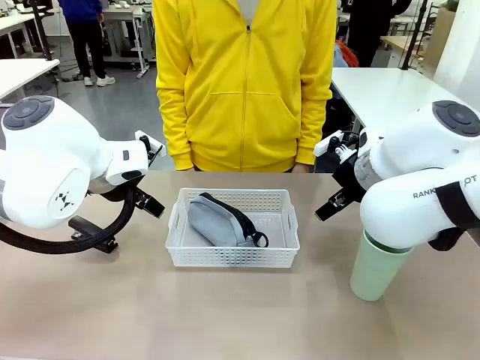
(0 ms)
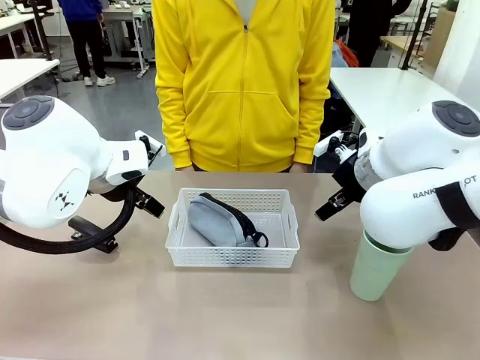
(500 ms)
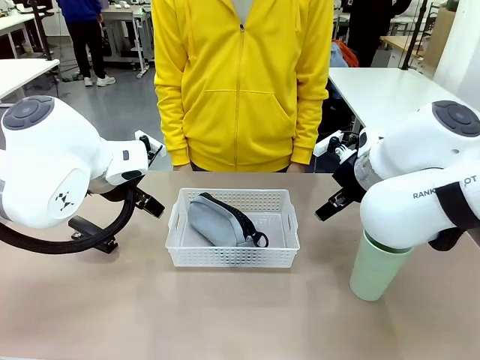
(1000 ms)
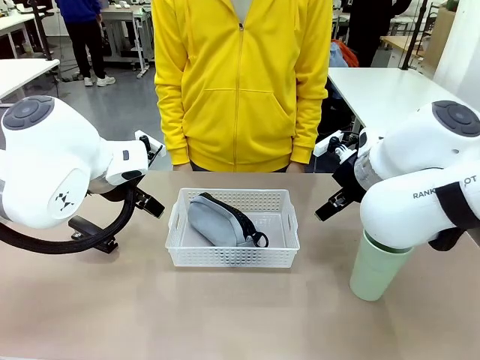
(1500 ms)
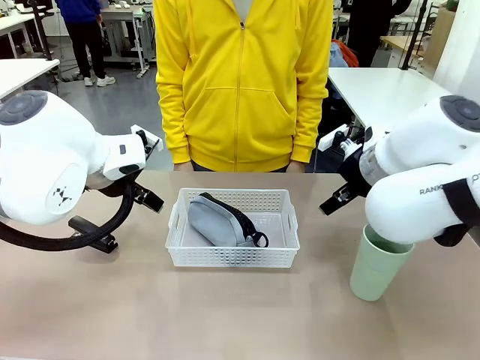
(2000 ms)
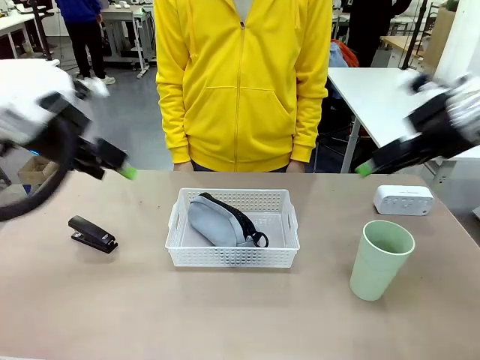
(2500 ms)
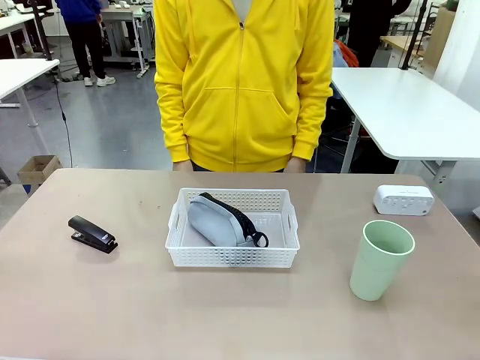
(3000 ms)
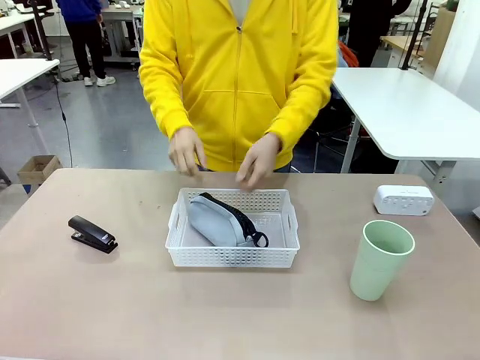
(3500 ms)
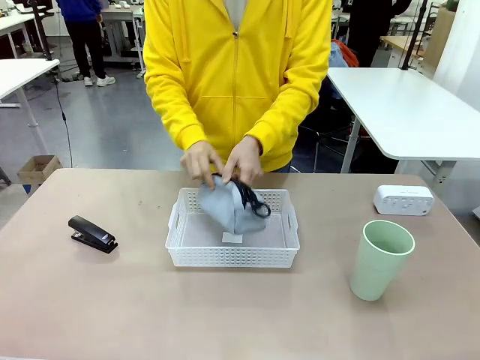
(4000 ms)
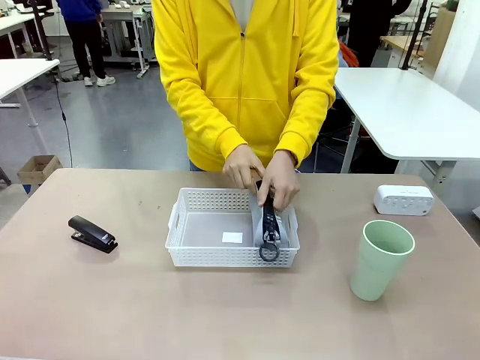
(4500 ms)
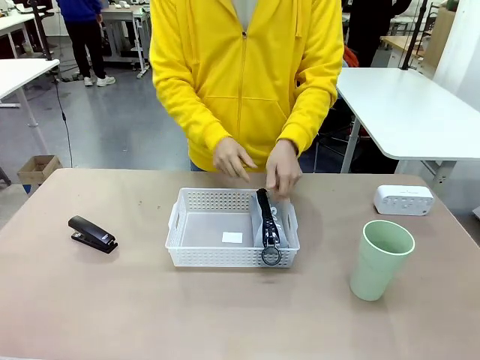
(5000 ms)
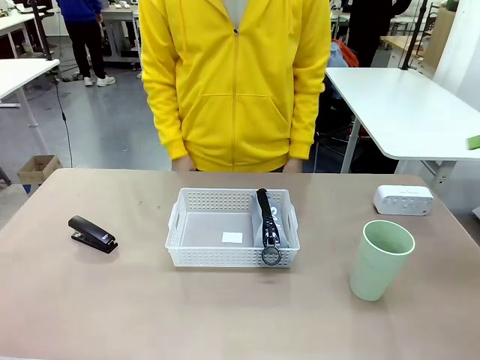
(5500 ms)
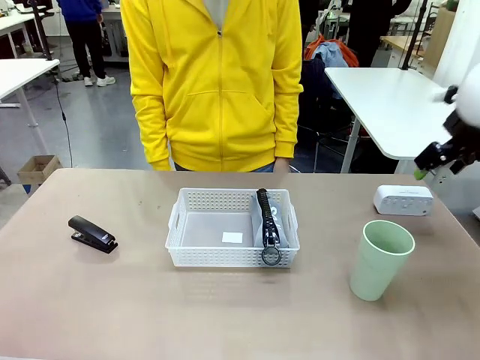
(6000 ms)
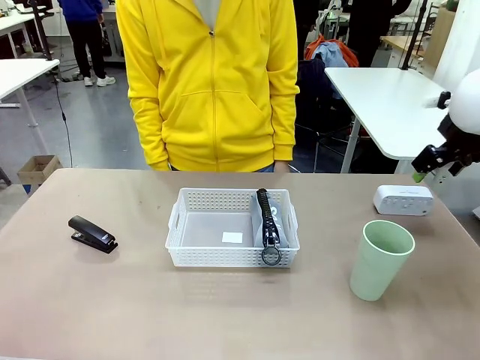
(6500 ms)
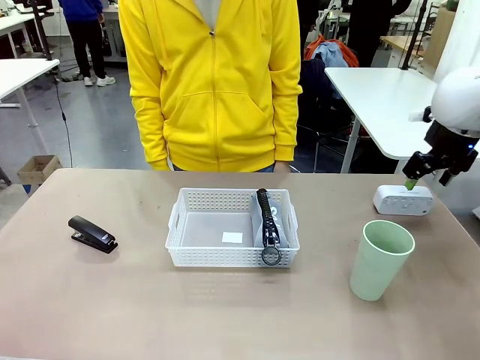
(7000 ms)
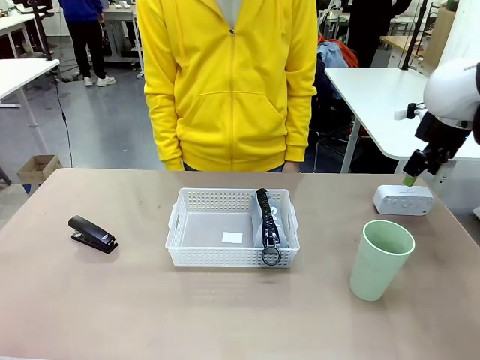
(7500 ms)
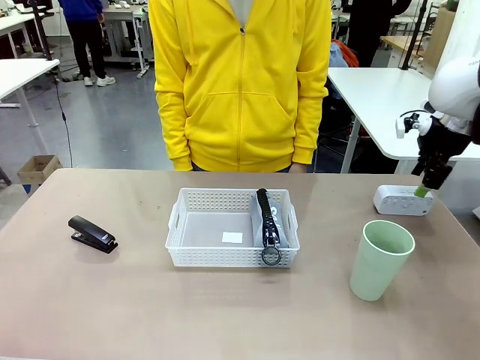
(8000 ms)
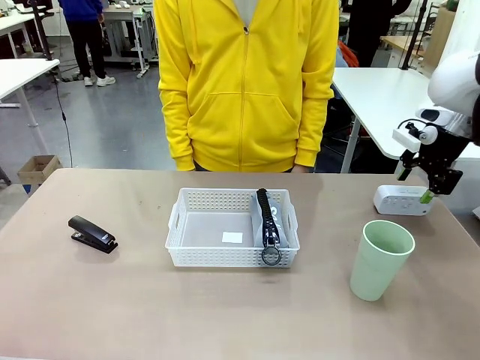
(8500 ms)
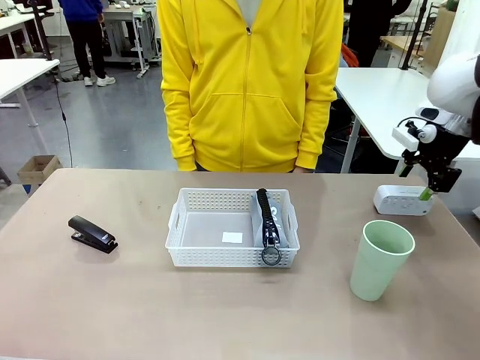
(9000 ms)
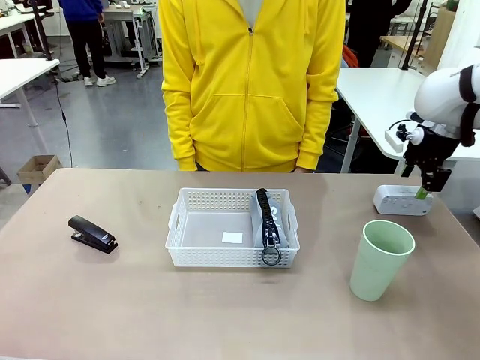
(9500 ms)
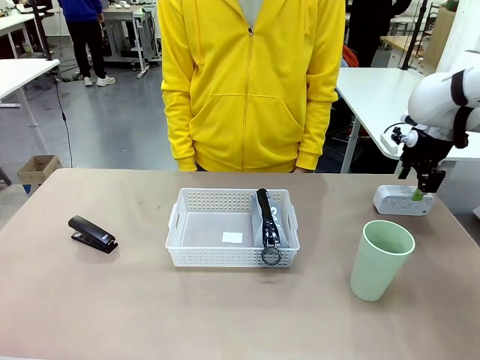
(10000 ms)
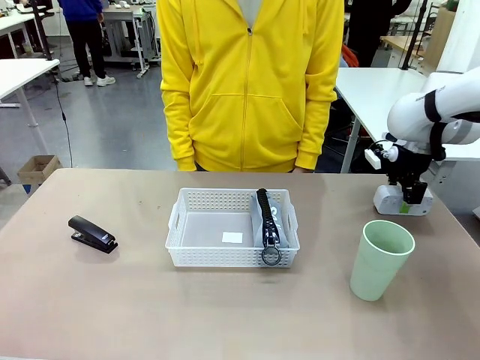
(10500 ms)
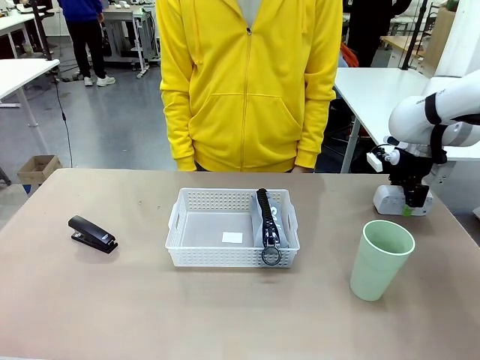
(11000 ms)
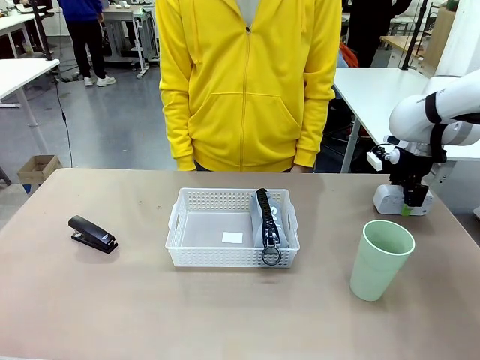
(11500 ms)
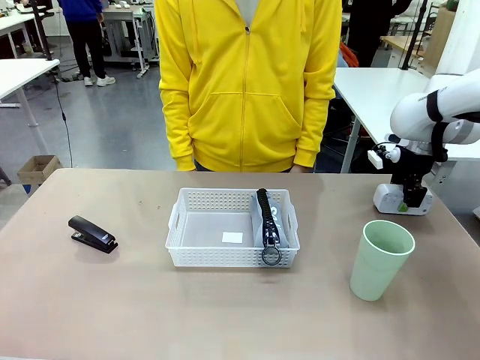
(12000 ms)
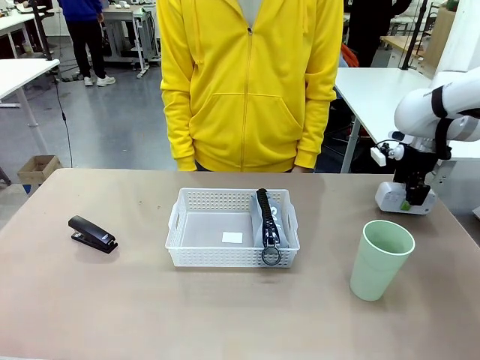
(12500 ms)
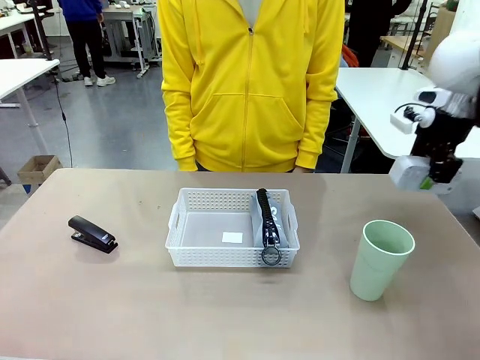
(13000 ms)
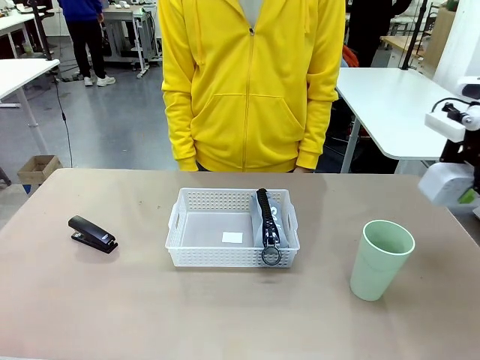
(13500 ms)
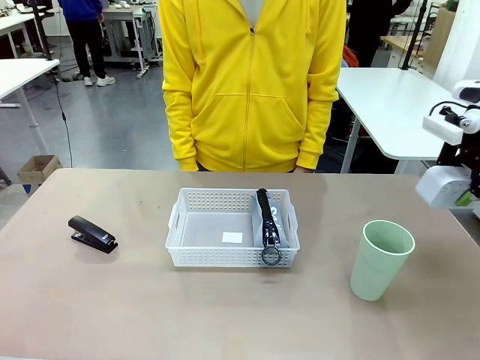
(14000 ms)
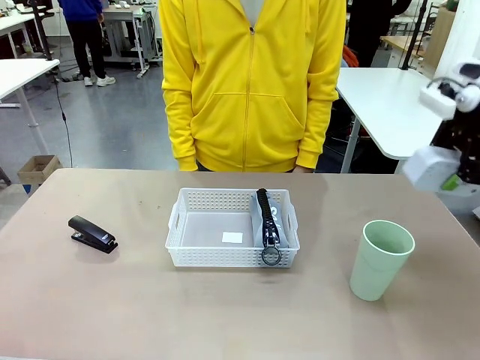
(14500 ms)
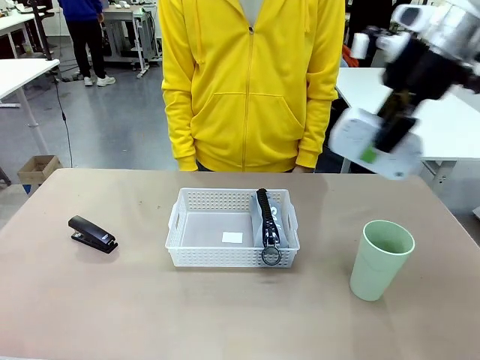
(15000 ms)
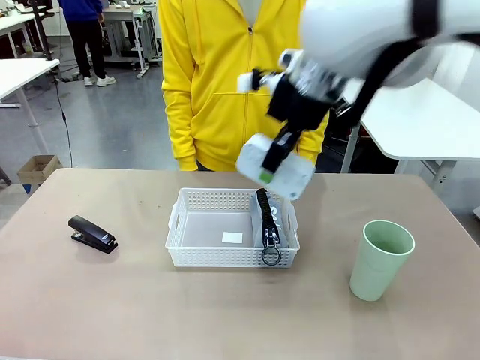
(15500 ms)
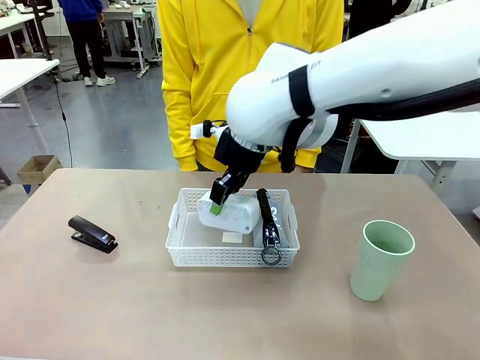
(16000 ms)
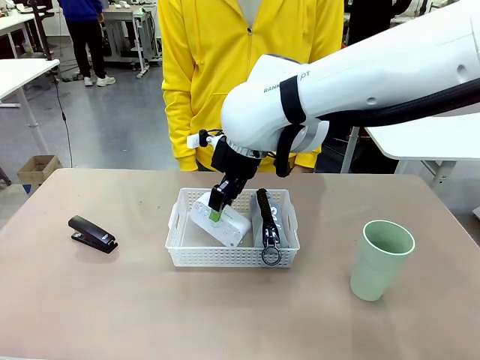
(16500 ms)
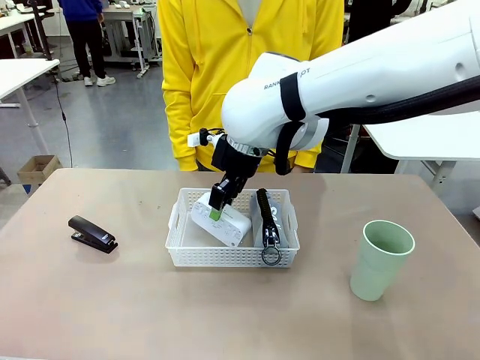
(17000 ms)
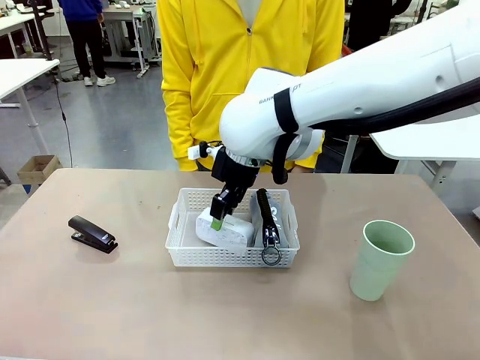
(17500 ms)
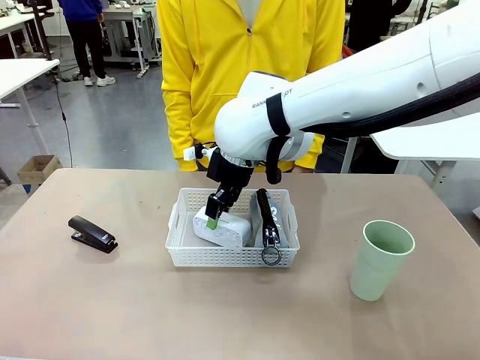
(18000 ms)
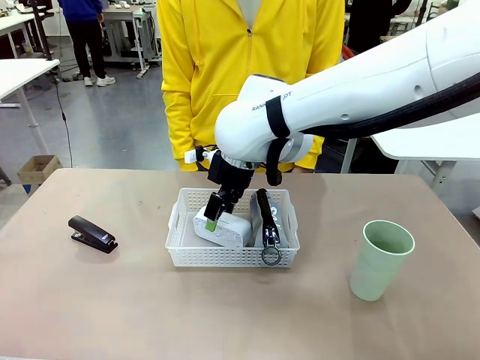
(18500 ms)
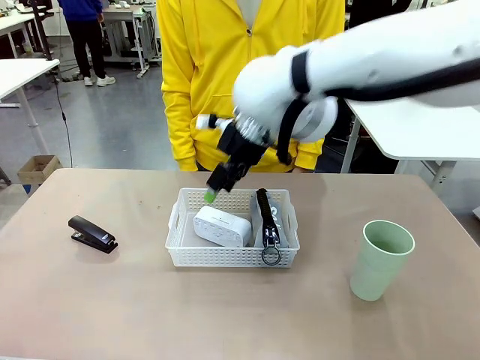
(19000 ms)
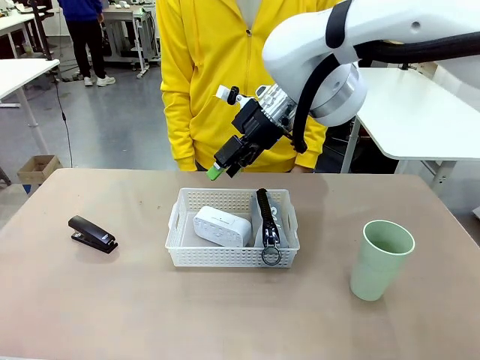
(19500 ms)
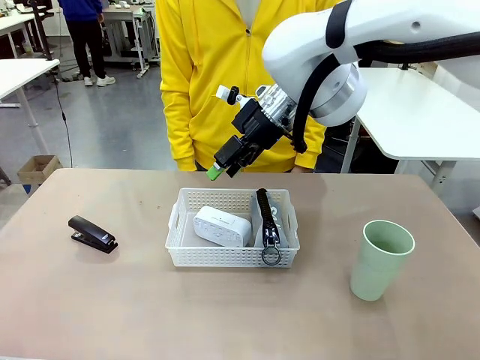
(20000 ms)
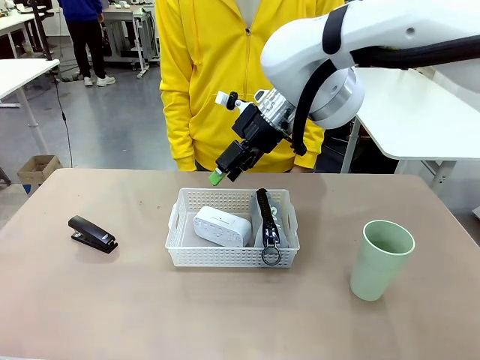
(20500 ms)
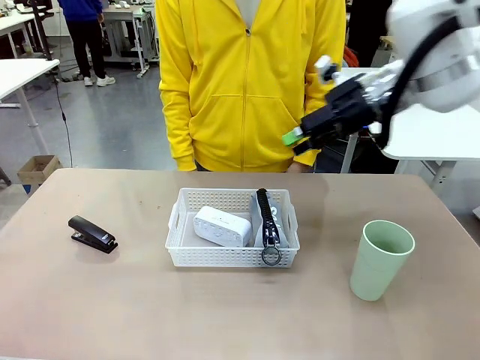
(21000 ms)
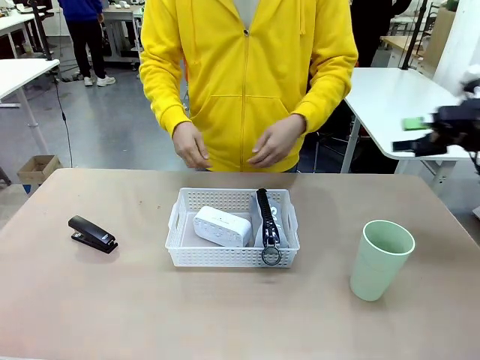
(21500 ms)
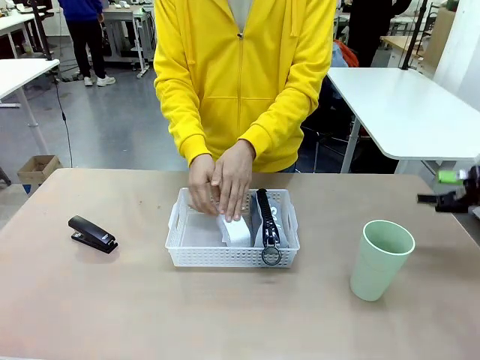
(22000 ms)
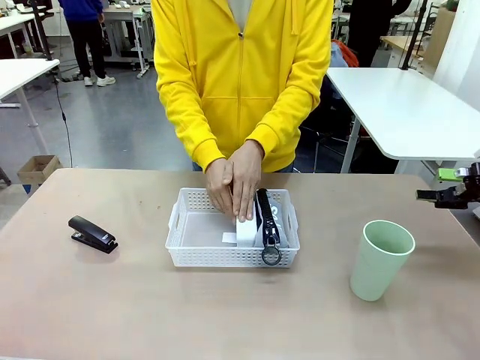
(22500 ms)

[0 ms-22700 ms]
Task: Efficiently arrange items inside the basket to fit them all.
Robot: Pick up the Digital clock and place it inside the Organizing basket.
Person: Repositions the pencil case. Repositions the digital clock.
